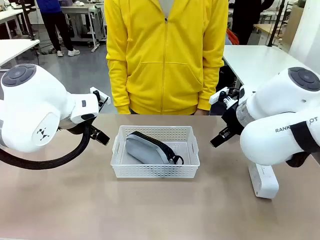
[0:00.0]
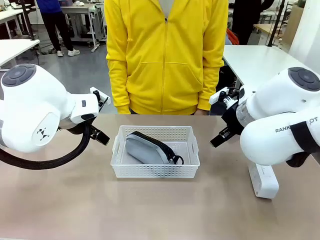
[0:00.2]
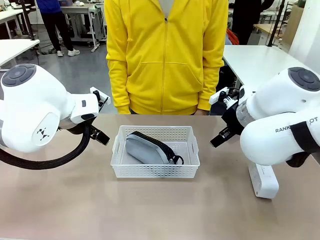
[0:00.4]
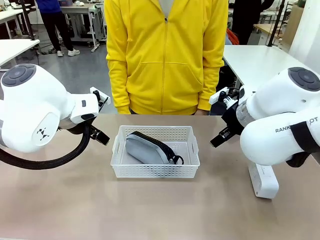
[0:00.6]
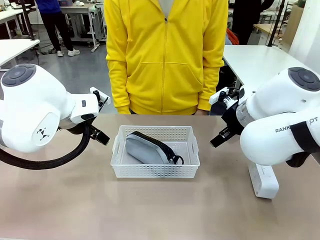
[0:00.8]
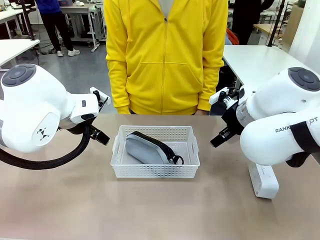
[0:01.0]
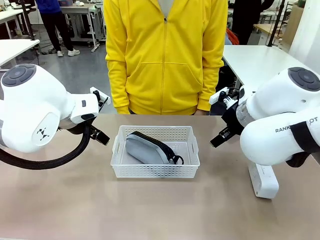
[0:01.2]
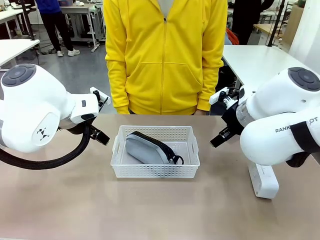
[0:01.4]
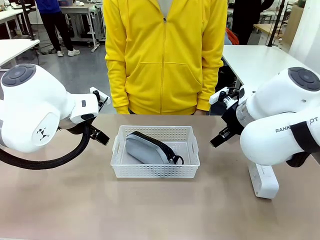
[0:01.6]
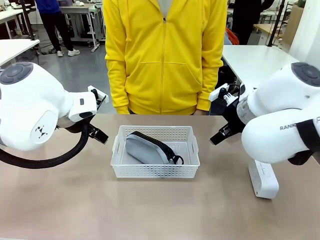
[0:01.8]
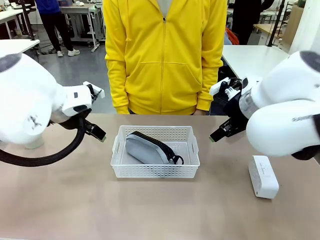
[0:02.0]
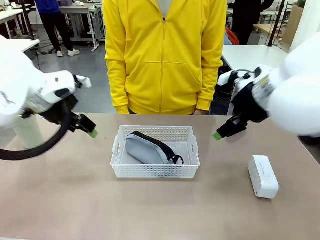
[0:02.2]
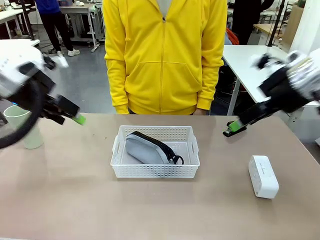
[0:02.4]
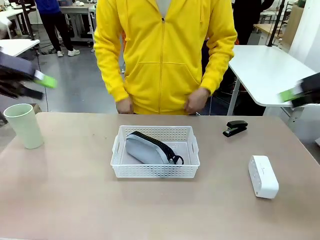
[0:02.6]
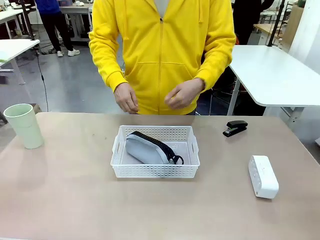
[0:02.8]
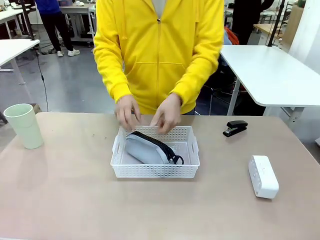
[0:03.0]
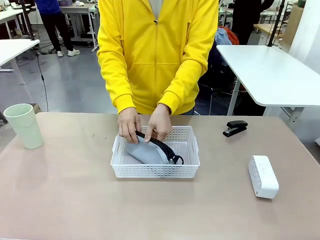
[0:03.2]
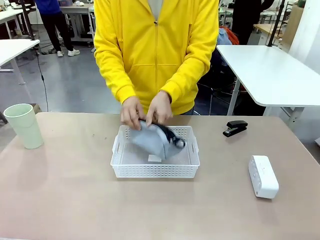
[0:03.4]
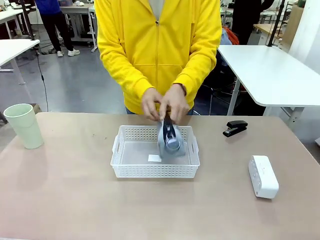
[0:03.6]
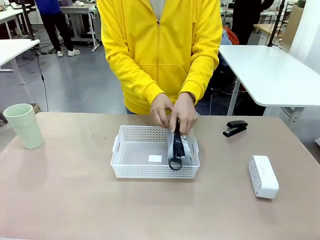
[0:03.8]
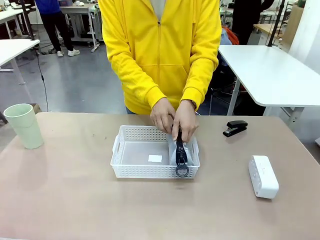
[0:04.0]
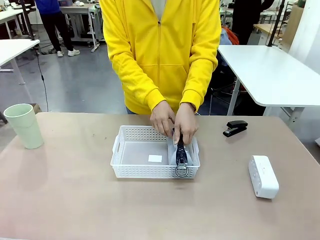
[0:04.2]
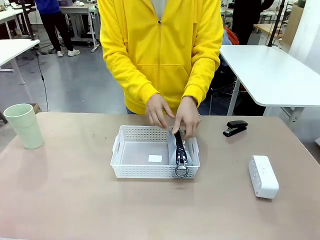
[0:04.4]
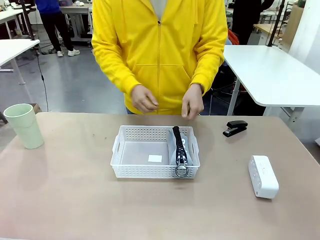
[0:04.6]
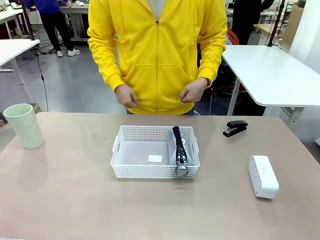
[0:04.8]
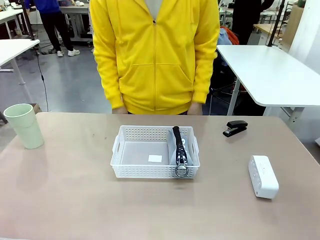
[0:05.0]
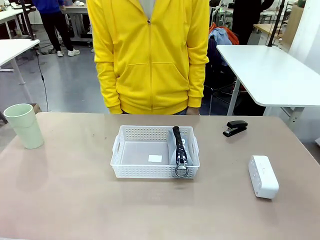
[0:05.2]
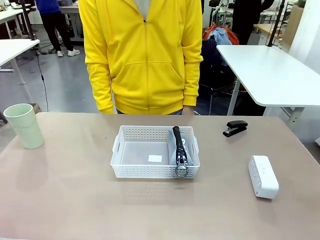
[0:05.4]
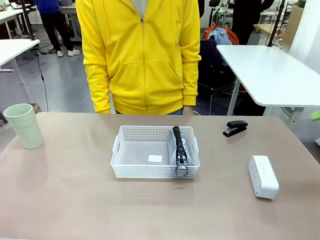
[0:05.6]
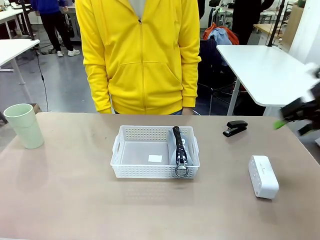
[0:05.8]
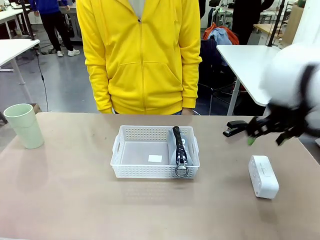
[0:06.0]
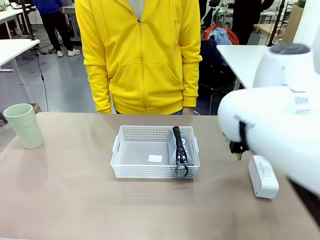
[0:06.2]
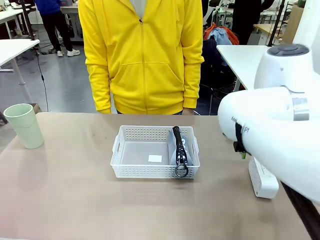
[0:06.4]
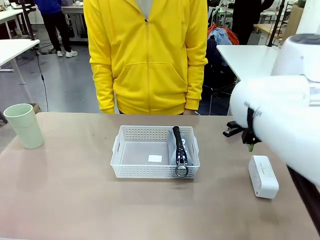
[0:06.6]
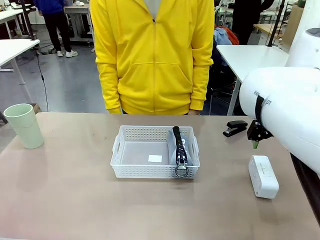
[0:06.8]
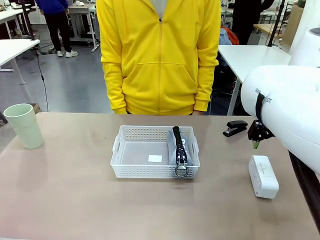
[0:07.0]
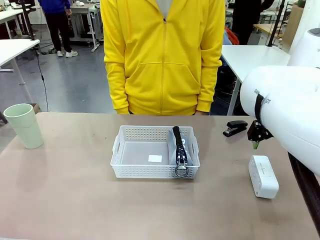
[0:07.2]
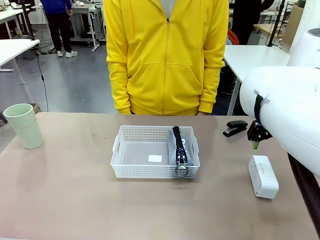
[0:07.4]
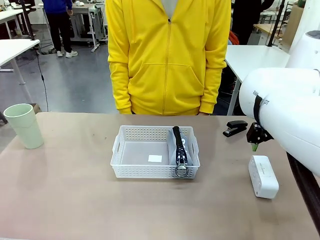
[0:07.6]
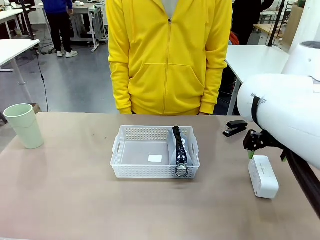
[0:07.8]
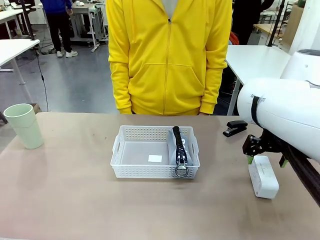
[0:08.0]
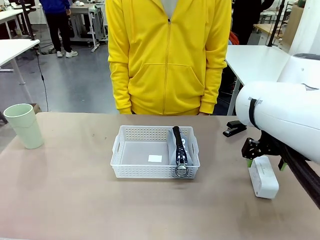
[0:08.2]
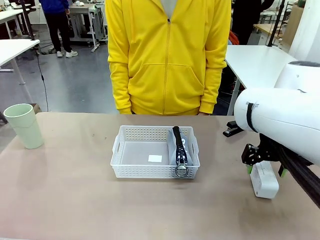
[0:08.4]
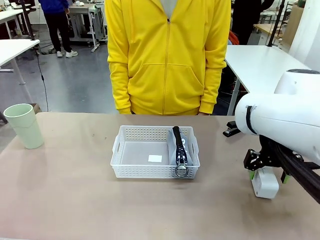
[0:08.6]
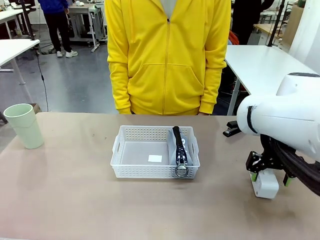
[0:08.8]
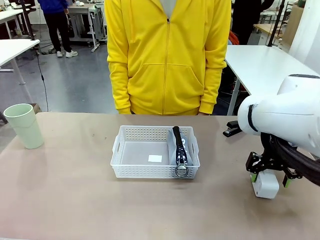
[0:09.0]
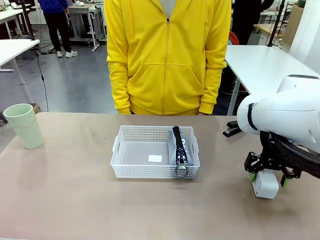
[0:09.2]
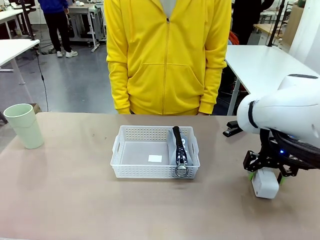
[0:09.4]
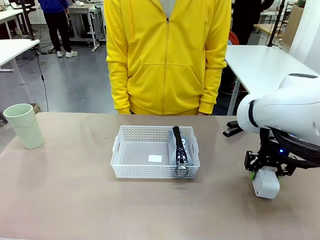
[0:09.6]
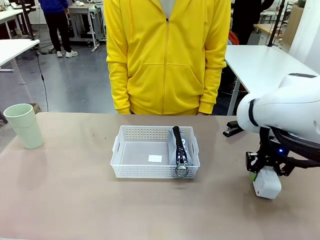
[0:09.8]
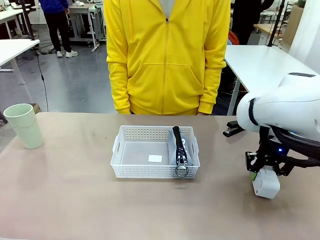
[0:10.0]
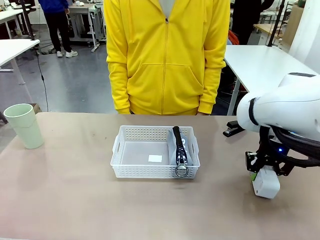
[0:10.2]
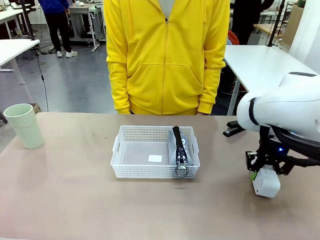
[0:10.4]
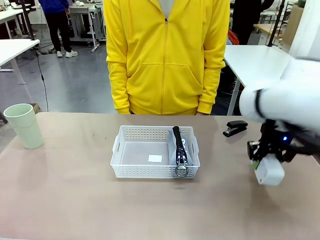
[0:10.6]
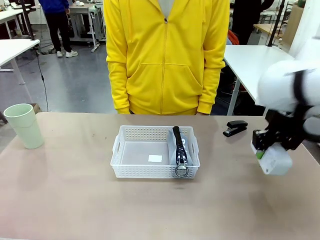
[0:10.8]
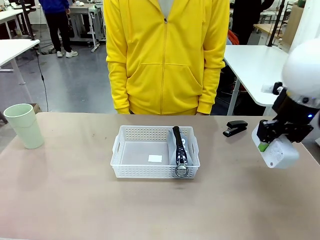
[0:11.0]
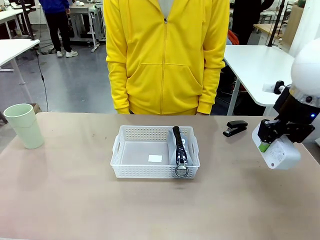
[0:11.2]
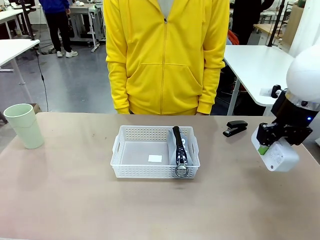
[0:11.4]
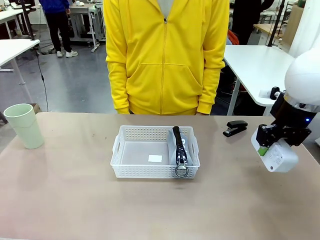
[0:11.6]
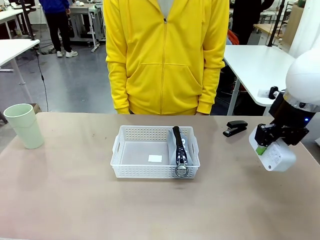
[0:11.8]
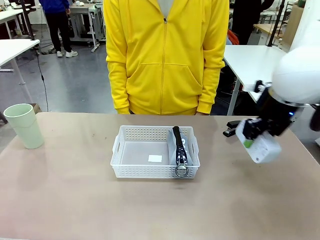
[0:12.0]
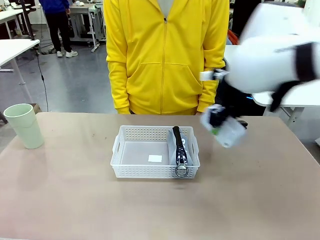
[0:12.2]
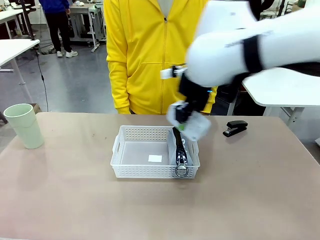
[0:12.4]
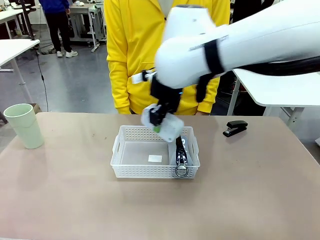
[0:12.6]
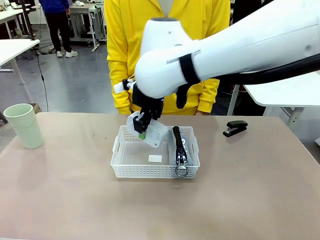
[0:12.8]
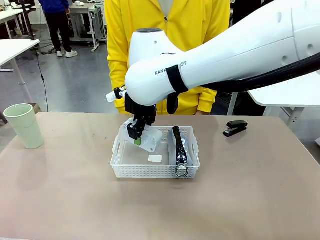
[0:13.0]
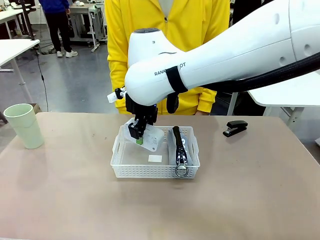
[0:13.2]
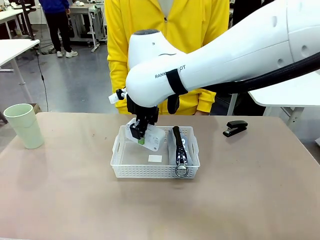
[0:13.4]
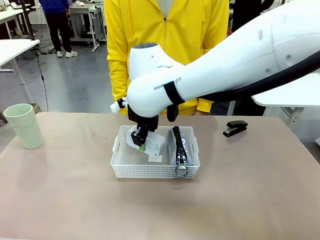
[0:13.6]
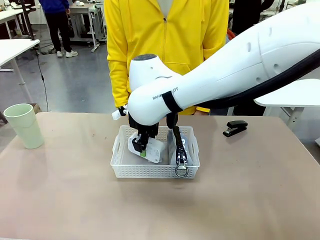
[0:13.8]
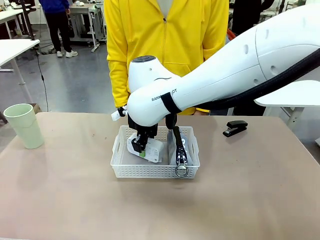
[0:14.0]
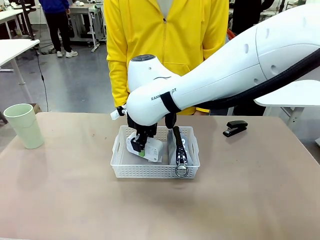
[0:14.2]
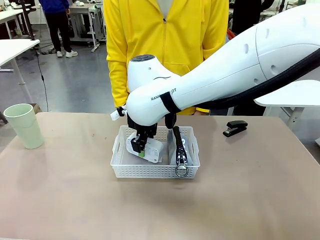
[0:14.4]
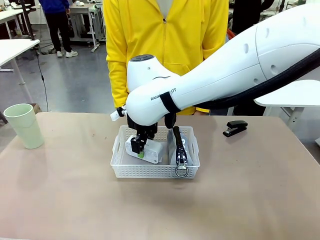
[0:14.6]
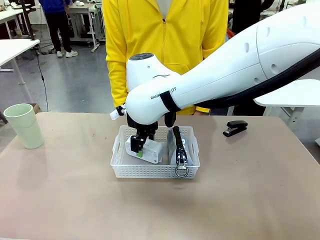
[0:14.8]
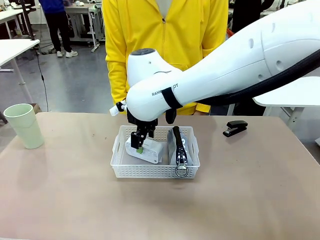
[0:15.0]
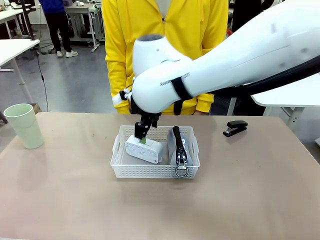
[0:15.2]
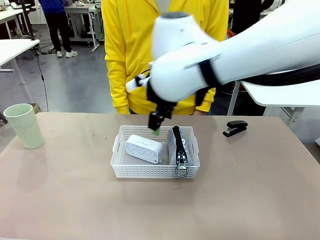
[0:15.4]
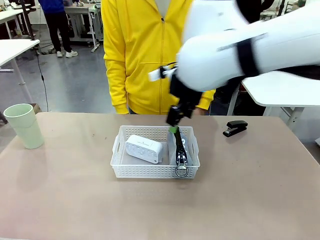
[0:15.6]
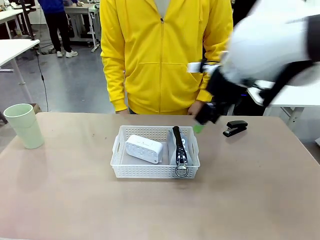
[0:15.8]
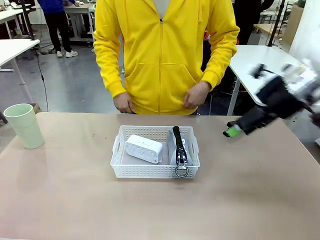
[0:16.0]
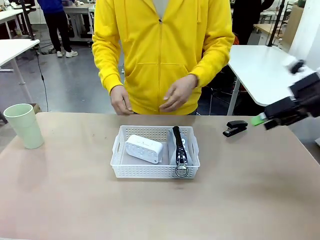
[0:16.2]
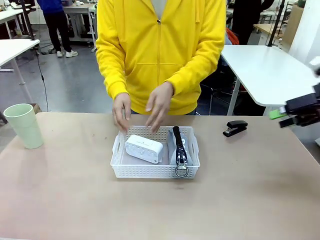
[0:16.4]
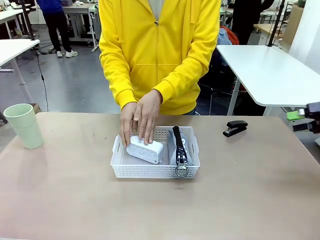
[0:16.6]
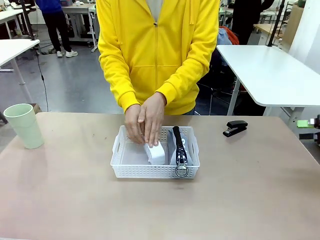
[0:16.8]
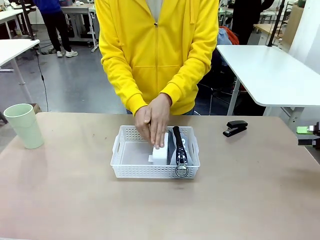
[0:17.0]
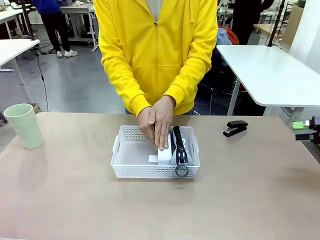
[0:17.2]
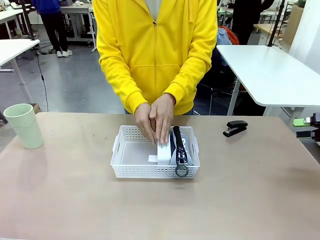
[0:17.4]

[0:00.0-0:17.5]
Task: Efficiently arrange items inside the basket to fit them all.
Robot: Pick up the Digital clock and place it inside the Organizing basket.
Person: Repositions the pencil case. Repositions the digital clock.
